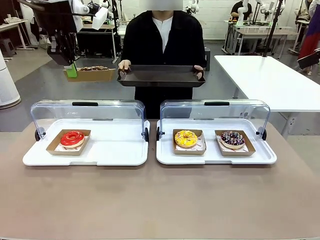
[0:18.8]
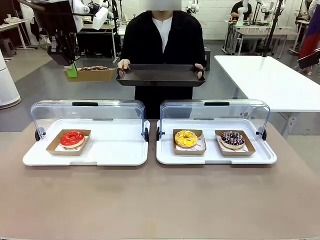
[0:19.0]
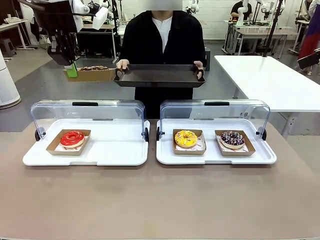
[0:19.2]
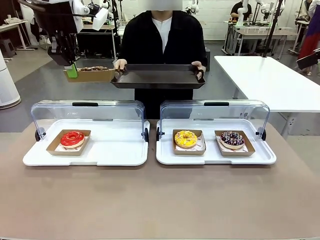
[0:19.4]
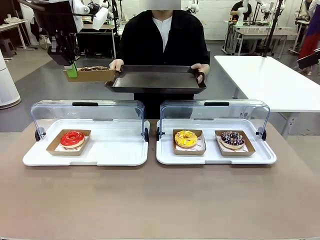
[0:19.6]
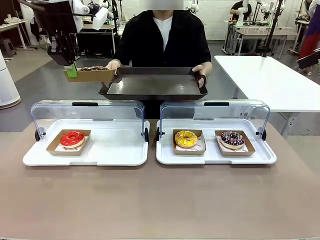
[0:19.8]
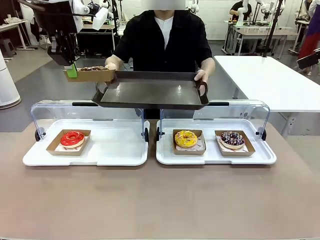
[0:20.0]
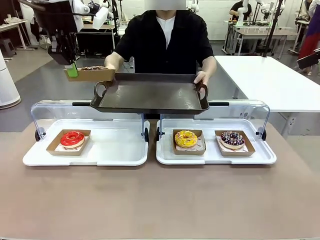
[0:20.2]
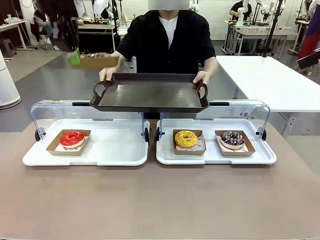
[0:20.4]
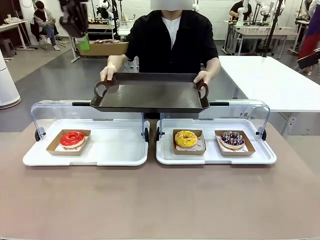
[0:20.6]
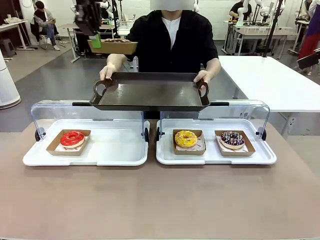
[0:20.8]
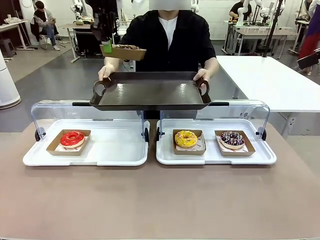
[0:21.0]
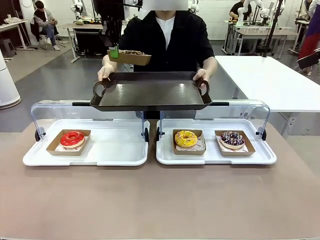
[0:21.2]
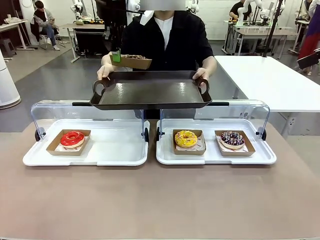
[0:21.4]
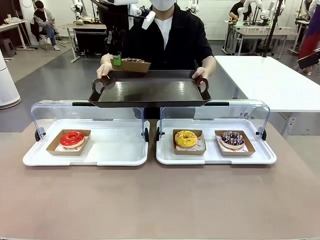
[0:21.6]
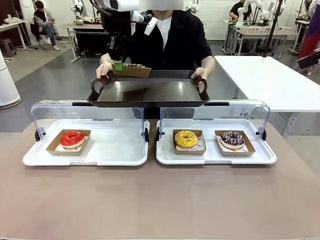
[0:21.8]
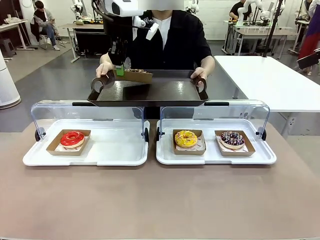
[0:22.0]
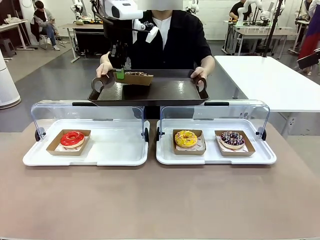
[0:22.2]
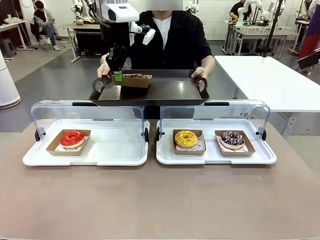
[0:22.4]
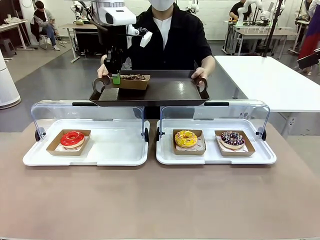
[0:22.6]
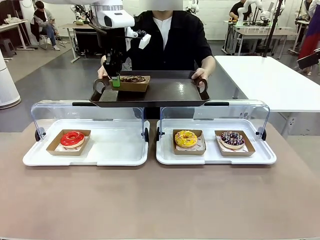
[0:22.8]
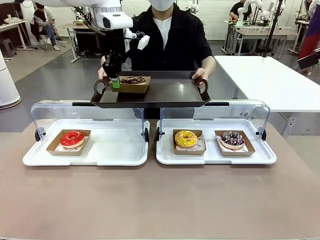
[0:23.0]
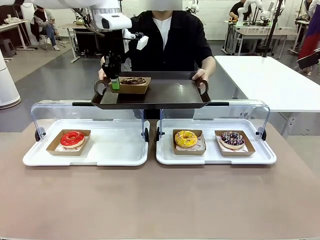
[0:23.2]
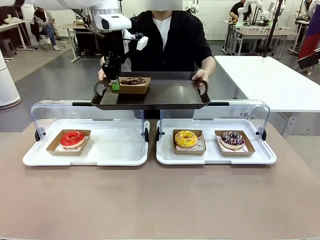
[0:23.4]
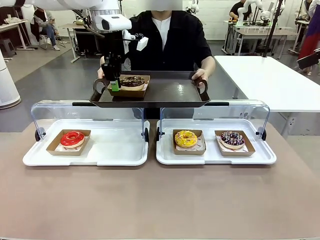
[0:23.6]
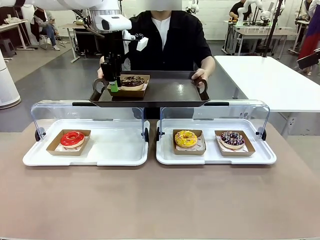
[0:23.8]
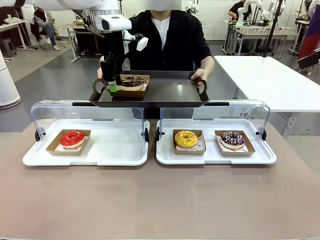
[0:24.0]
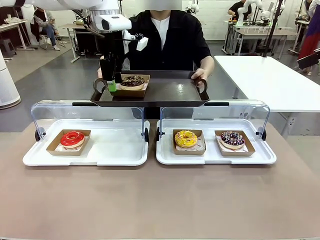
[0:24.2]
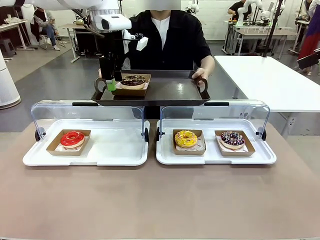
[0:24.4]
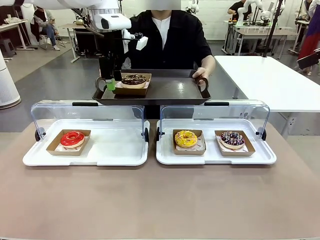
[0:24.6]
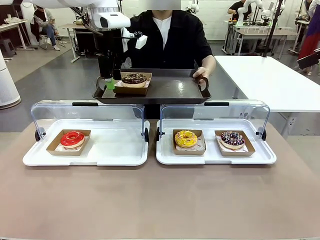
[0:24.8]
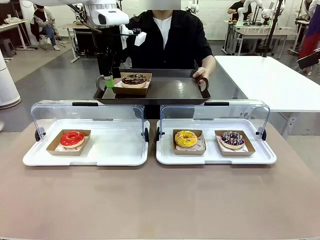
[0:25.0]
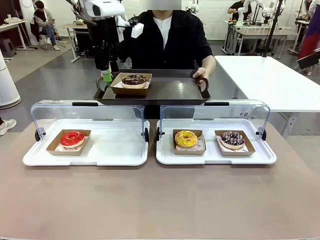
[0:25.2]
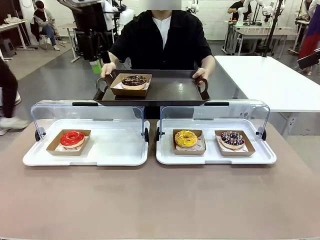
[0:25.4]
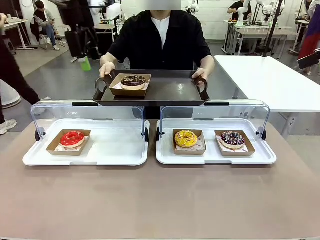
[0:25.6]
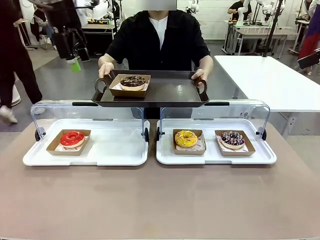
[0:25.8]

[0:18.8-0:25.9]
Task: Provide the desired donut to the person.
Robot: Place the picked Paper togo box onto the Handle tray extended by the person.

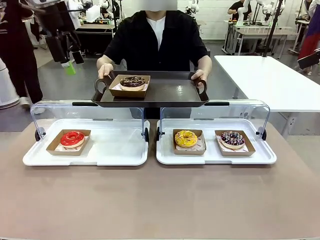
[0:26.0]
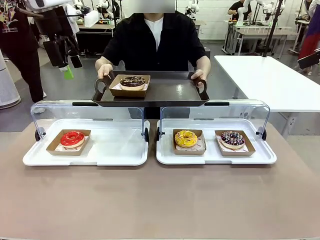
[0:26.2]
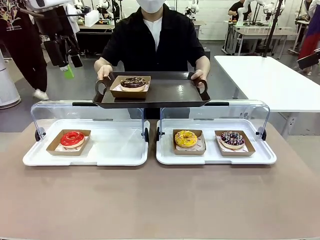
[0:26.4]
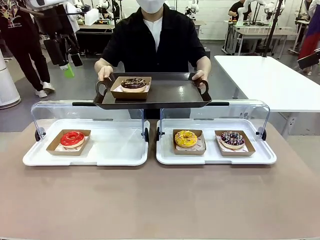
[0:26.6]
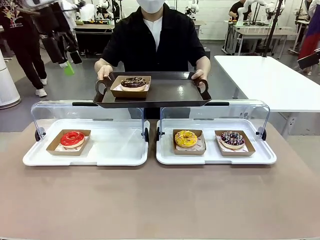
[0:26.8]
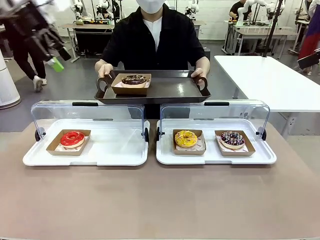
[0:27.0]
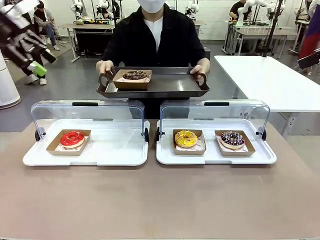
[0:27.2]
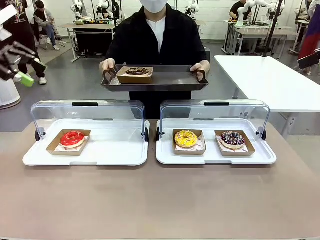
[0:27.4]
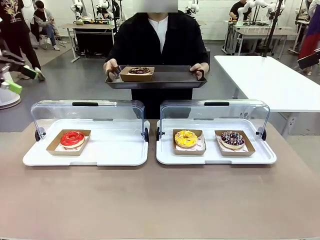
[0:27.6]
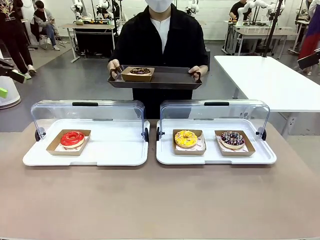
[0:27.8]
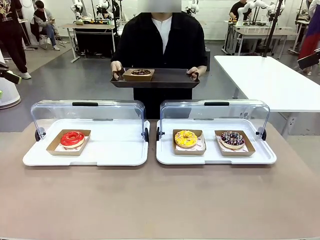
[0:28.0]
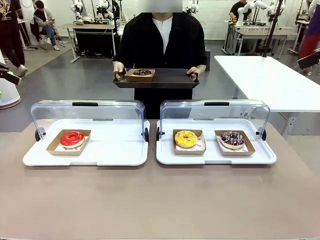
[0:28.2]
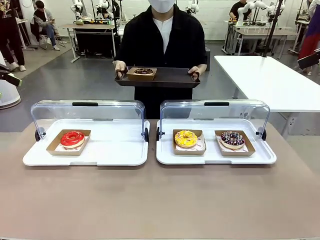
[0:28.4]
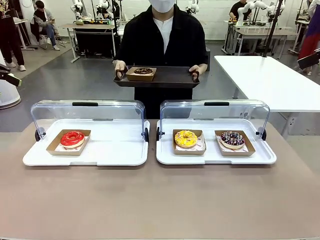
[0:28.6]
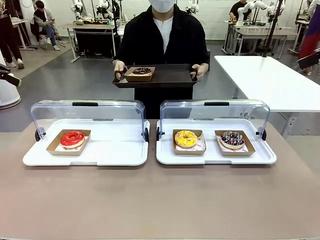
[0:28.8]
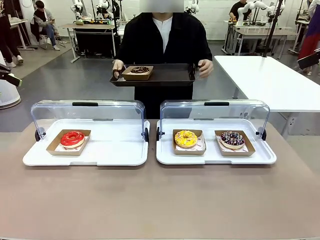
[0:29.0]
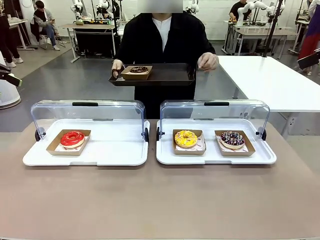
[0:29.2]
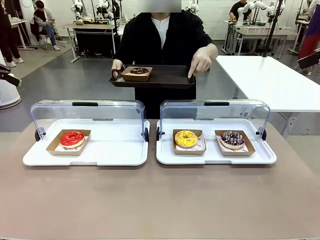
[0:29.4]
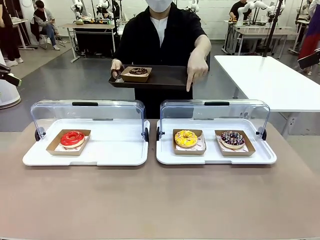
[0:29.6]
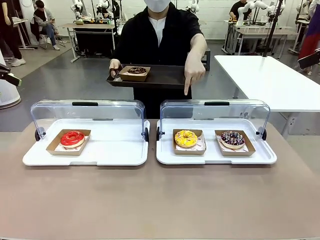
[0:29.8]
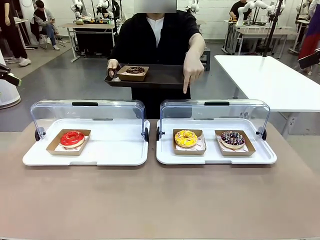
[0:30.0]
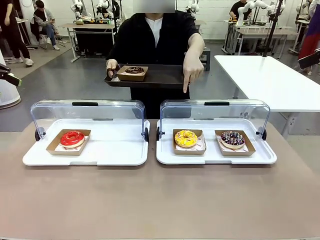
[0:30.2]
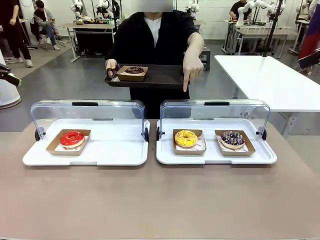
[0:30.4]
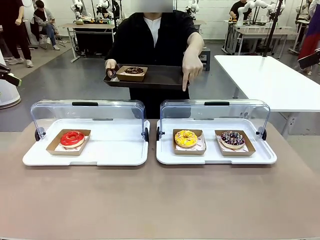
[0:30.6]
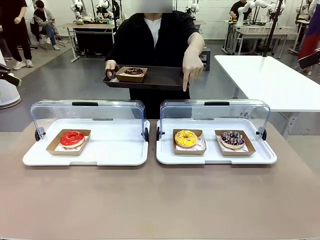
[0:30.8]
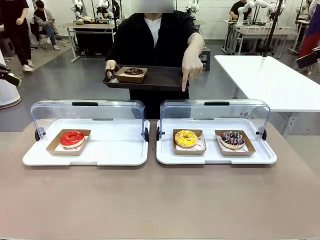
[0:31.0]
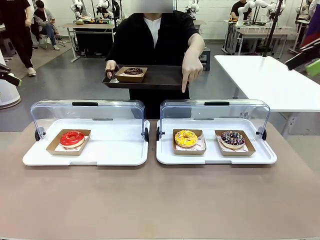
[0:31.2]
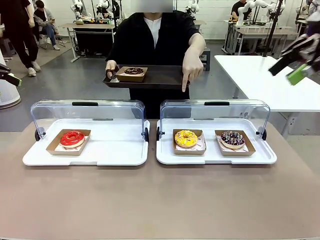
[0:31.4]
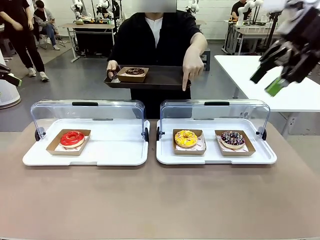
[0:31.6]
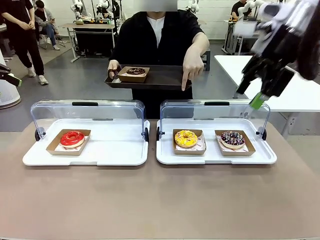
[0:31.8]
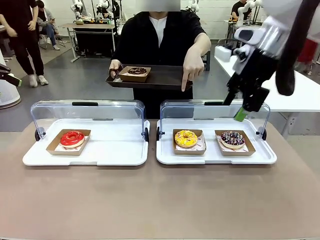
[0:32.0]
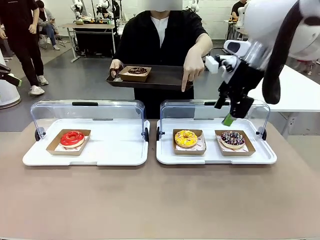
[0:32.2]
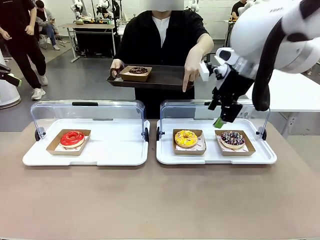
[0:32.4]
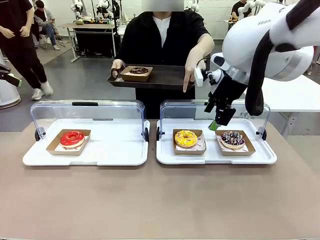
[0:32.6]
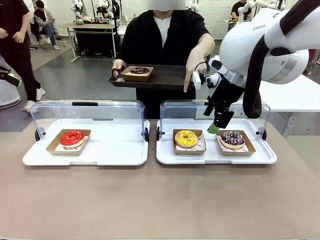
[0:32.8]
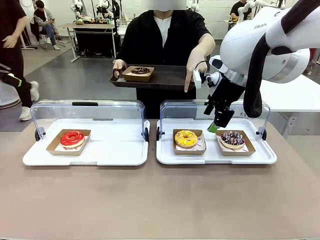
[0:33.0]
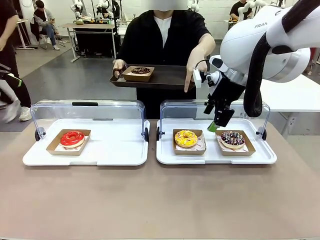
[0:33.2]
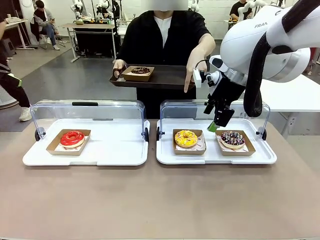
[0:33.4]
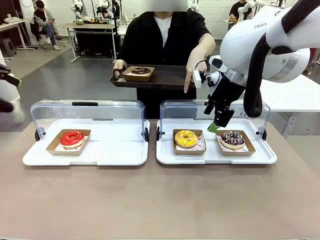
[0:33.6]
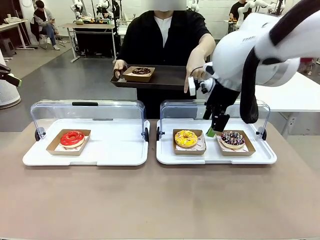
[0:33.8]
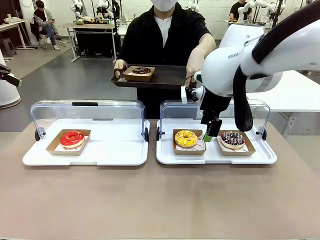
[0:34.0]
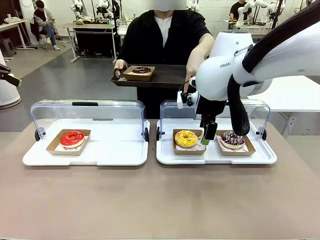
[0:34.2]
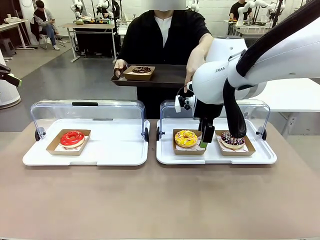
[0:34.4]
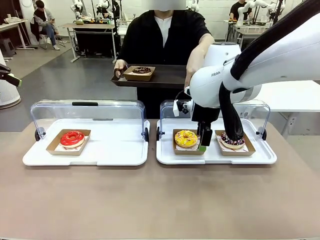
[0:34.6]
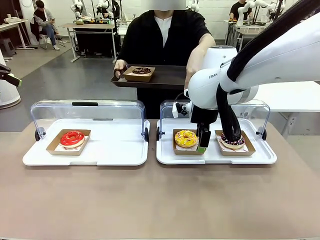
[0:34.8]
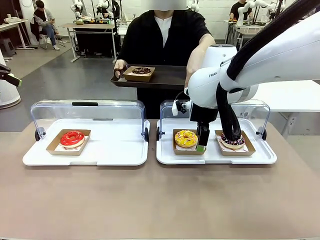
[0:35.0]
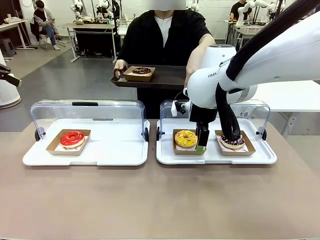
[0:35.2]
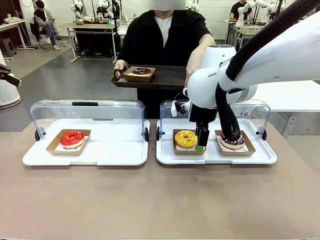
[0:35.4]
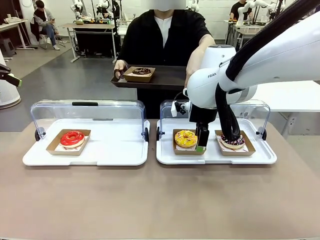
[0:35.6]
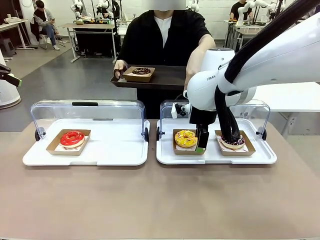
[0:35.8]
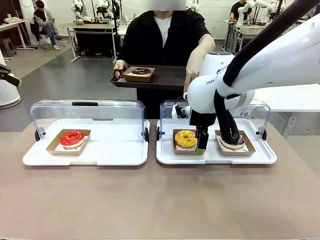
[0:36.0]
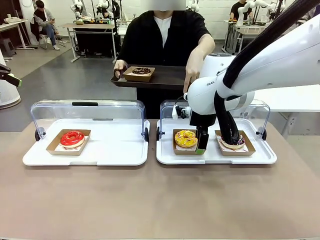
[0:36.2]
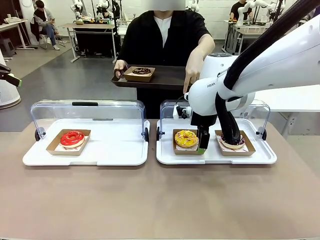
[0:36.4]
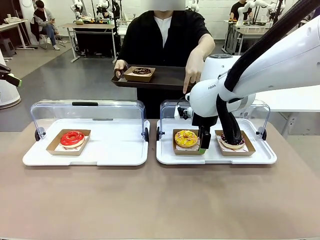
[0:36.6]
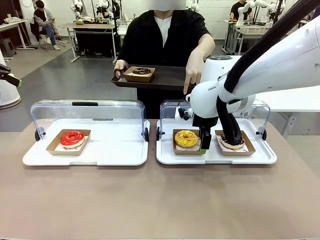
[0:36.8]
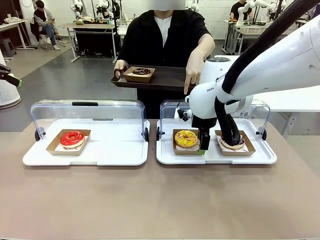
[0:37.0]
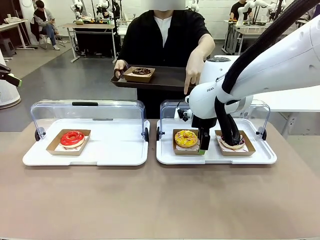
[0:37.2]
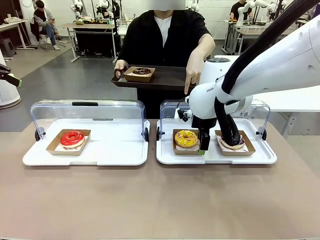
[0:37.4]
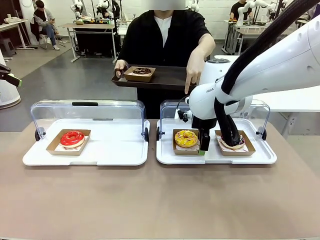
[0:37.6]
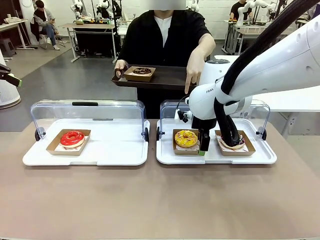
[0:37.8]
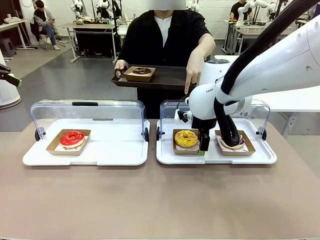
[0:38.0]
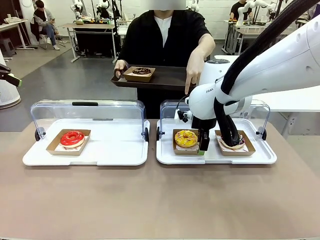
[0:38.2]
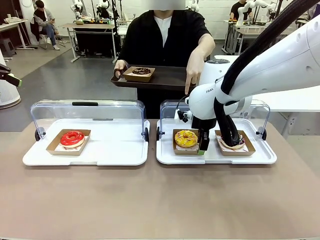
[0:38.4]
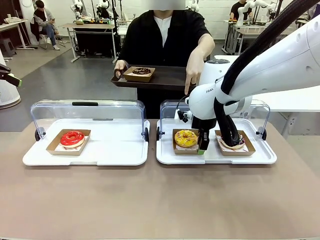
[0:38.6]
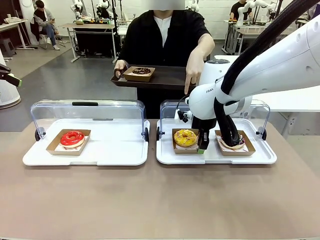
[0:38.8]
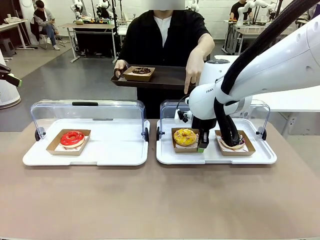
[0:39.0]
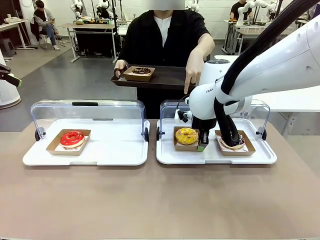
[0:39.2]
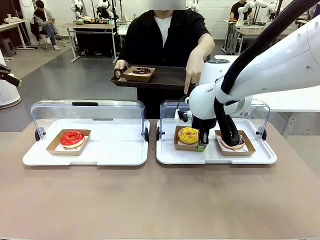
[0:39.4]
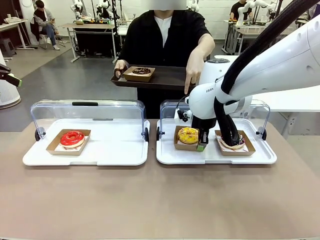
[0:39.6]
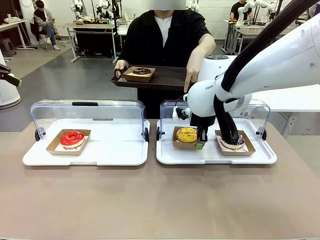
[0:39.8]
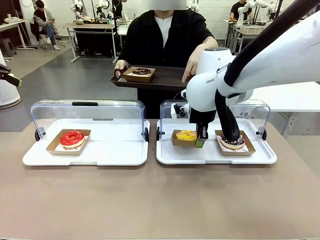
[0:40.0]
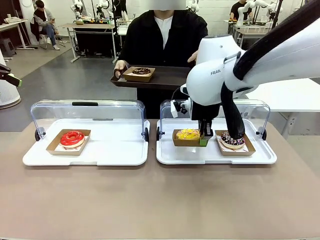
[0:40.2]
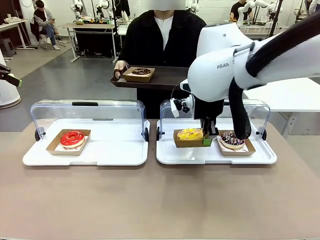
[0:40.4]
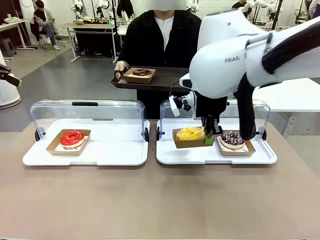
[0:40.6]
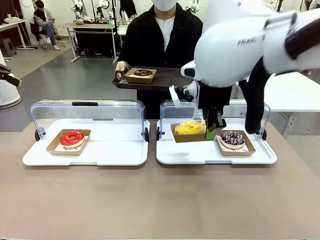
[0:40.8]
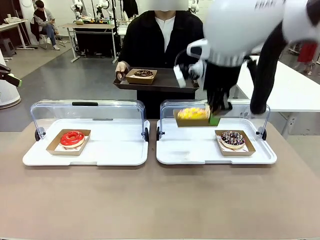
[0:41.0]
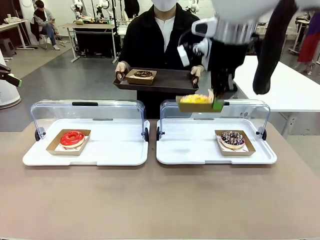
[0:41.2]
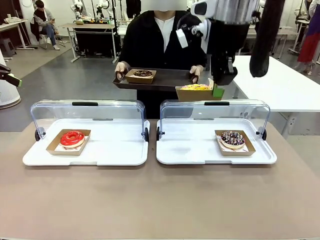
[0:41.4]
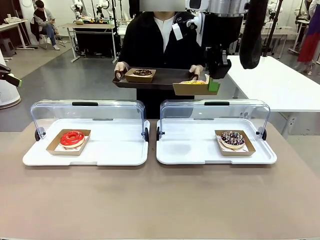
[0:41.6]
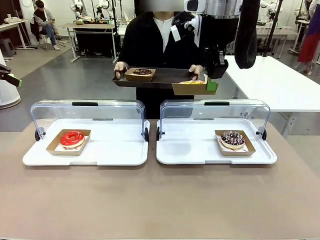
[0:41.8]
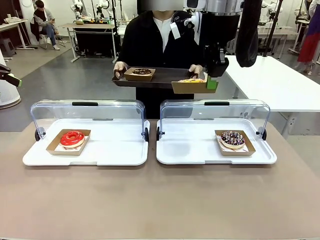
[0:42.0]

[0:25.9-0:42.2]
Robot: Pick up and lift the Paper togo box containing the Donut pointed at by the person.
Person: Point to one donut. Lift the tray onto the Roll-Top Bakery Case.
